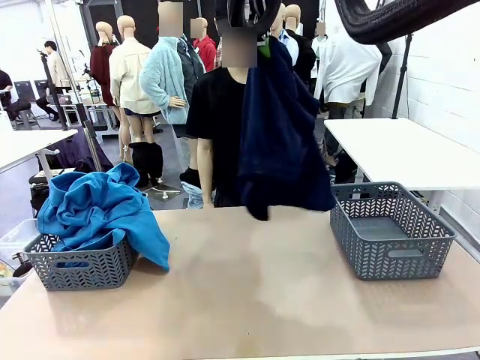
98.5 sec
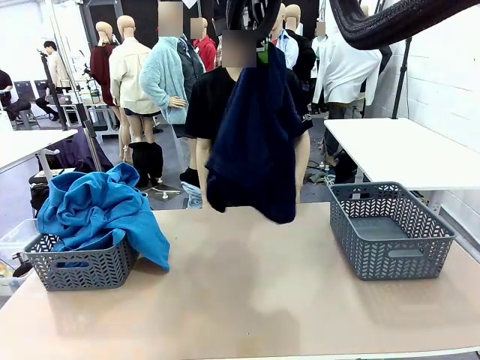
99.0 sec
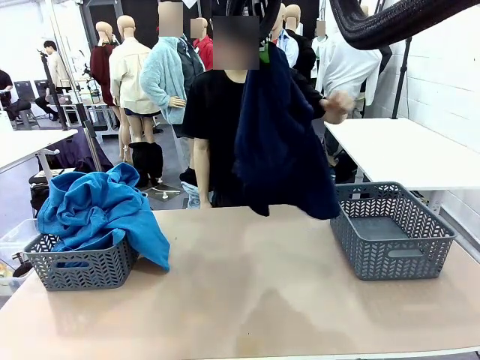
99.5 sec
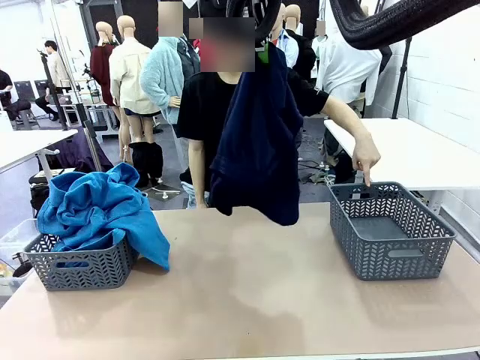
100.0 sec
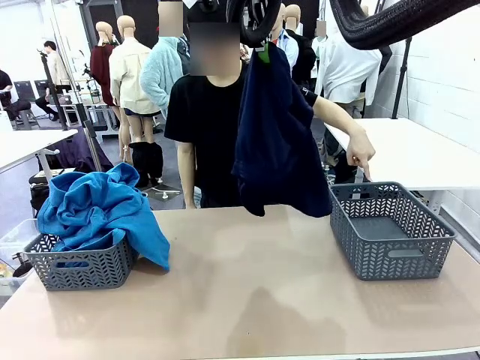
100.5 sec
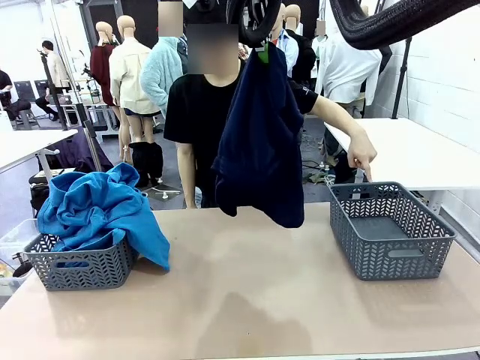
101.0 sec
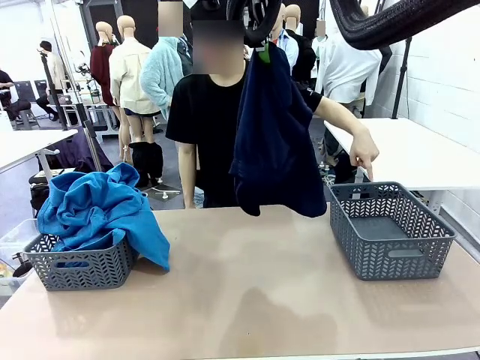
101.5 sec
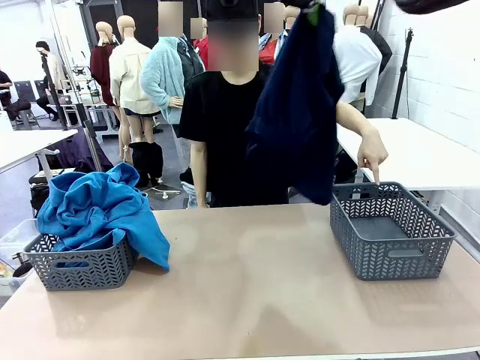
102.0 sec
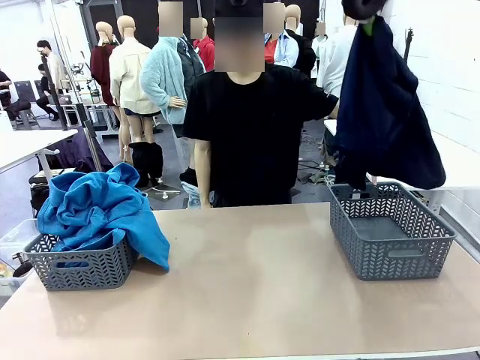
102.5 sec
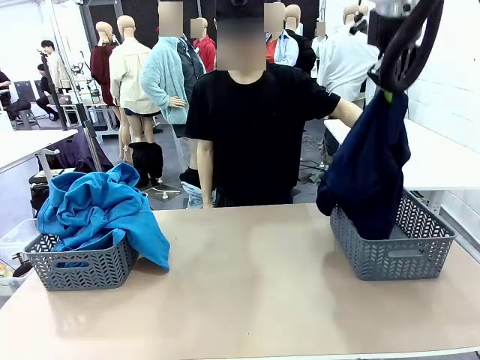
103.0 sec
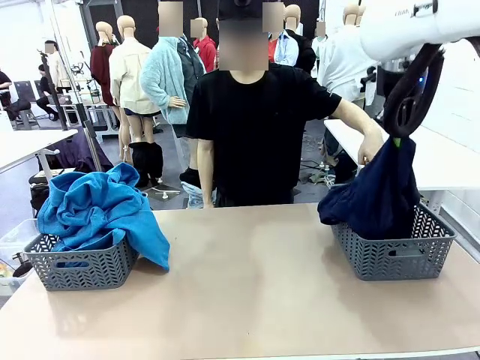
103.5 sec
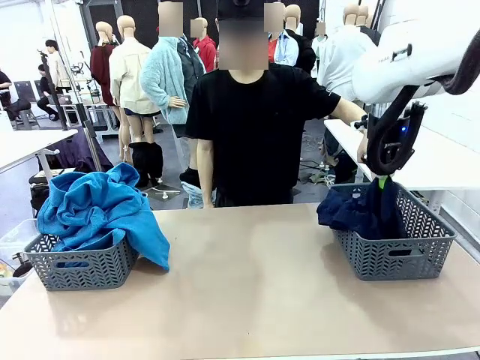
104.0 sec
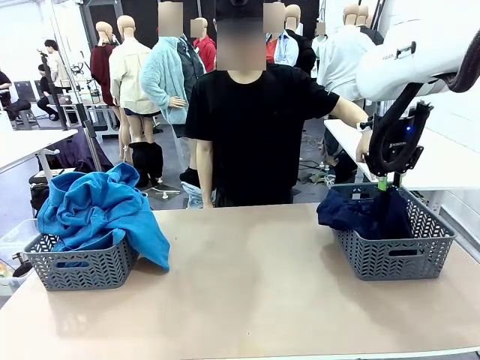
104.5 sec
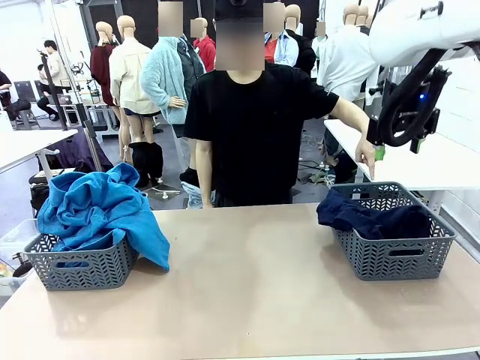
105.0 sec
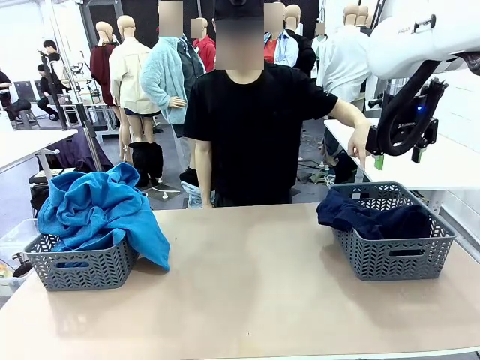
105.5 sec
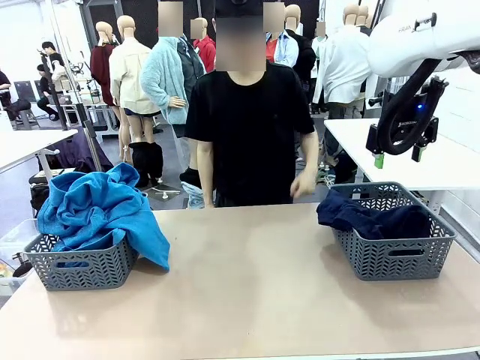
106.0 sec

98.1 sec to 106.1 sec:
Task: Sort the tops and bottoms.
Robot: Sort the clothes according to human instructions.

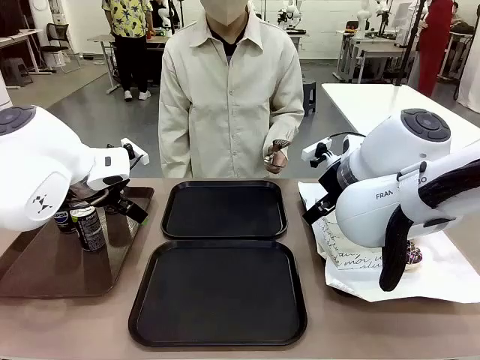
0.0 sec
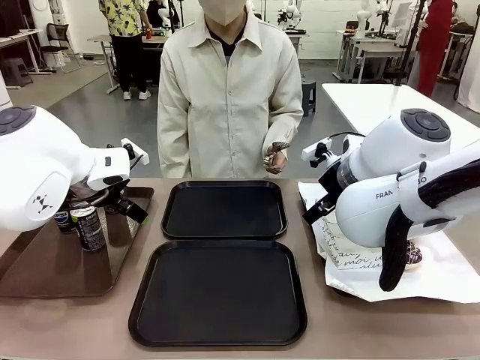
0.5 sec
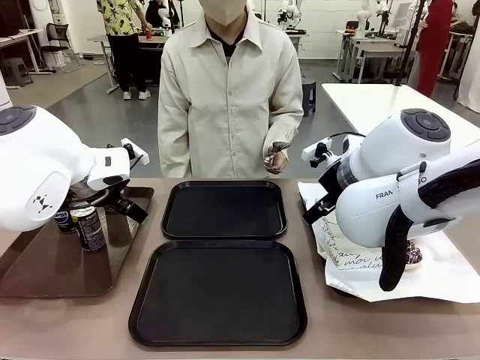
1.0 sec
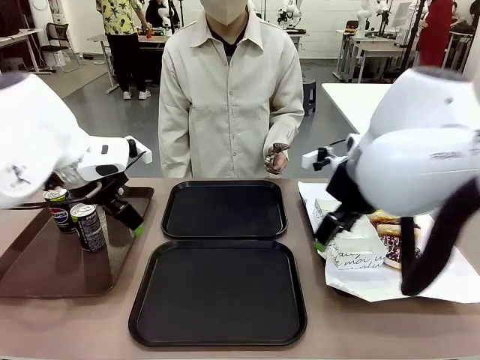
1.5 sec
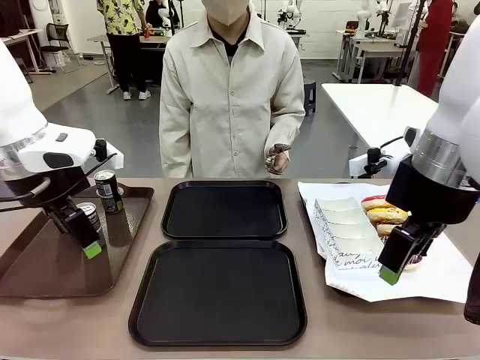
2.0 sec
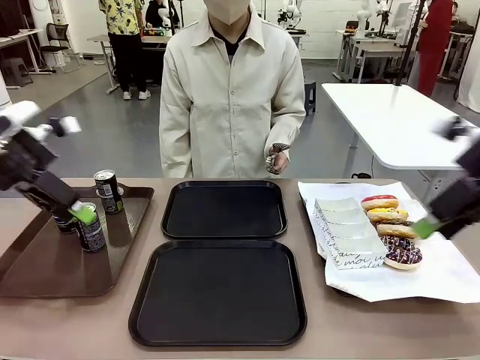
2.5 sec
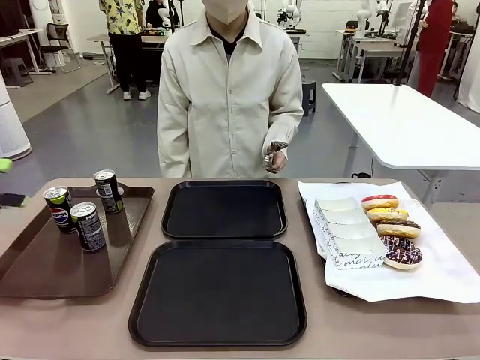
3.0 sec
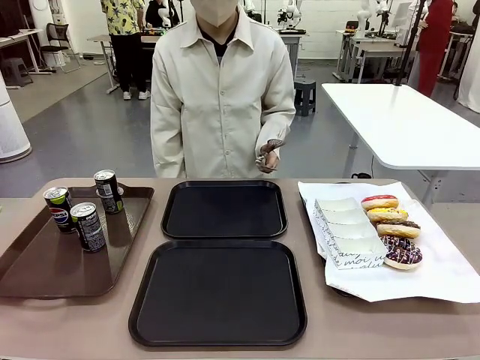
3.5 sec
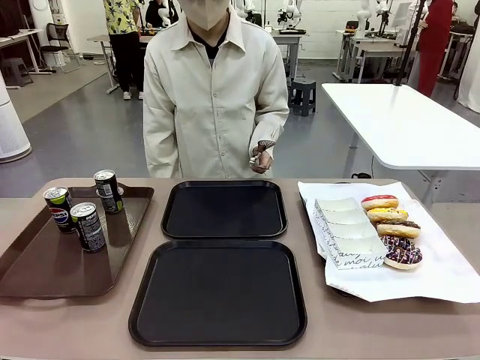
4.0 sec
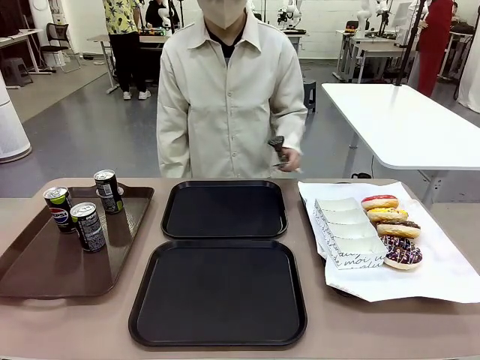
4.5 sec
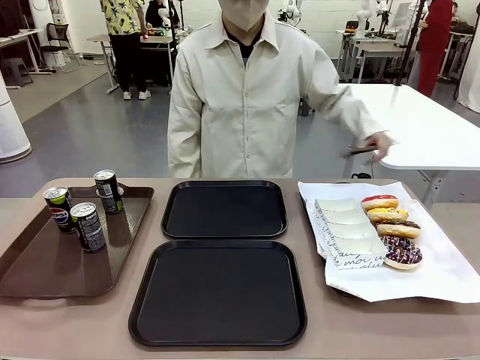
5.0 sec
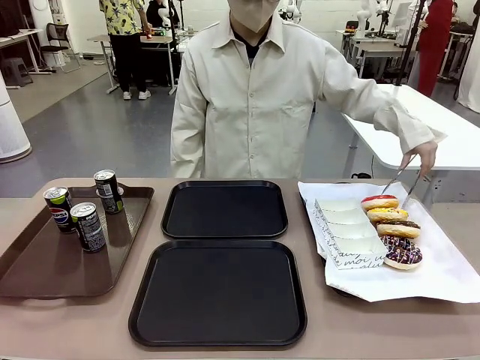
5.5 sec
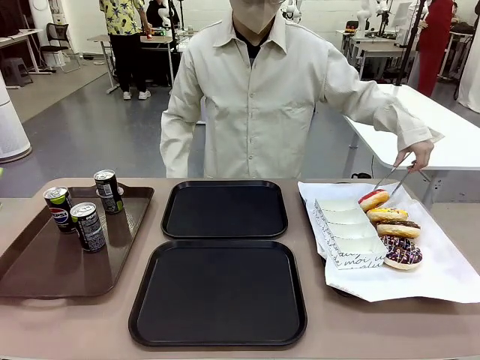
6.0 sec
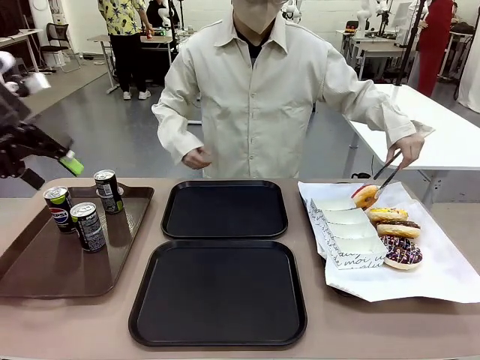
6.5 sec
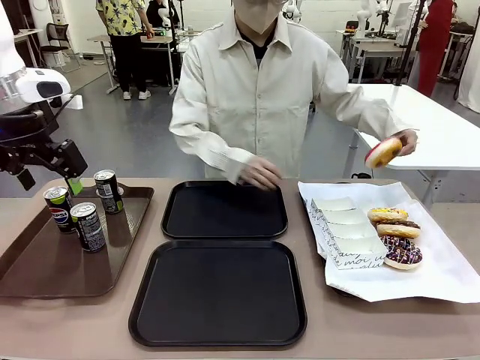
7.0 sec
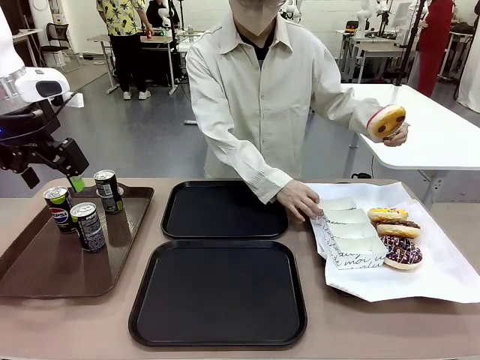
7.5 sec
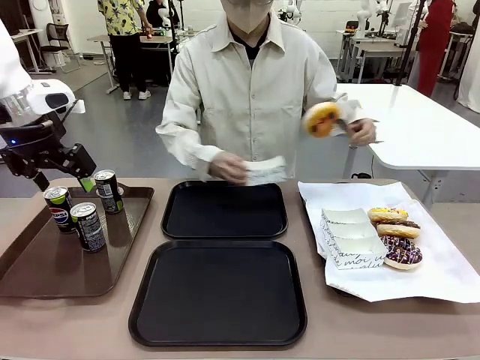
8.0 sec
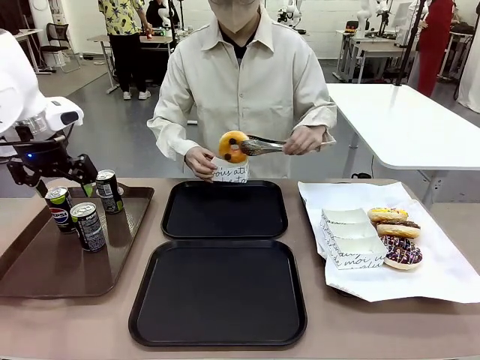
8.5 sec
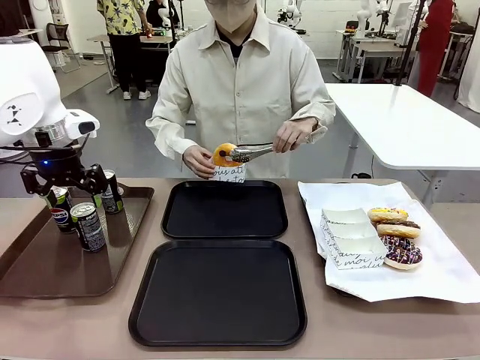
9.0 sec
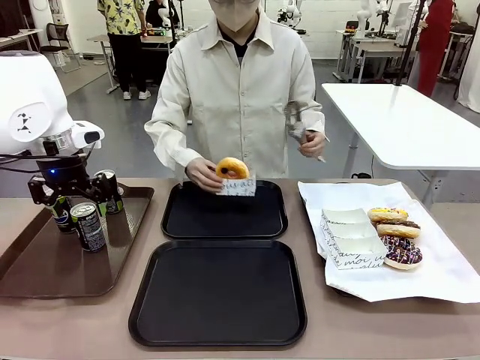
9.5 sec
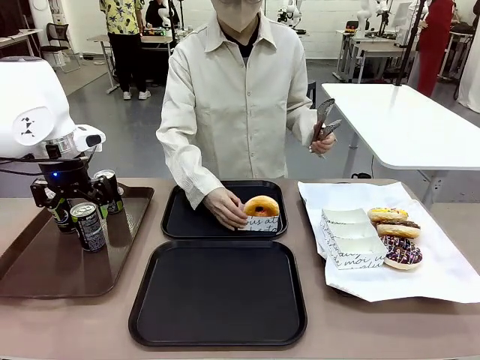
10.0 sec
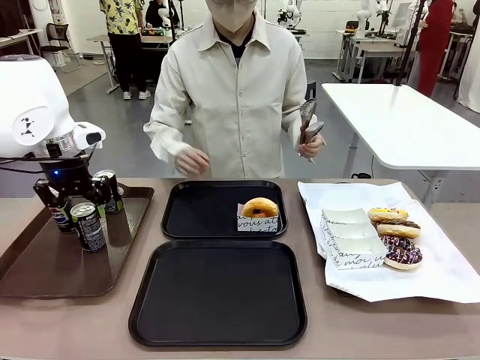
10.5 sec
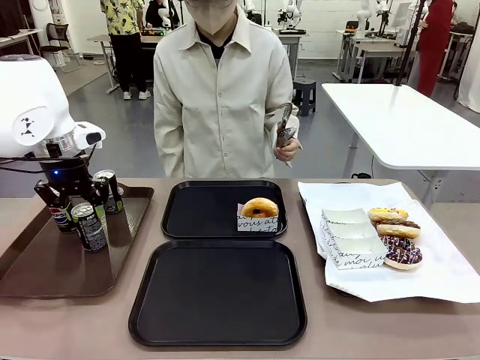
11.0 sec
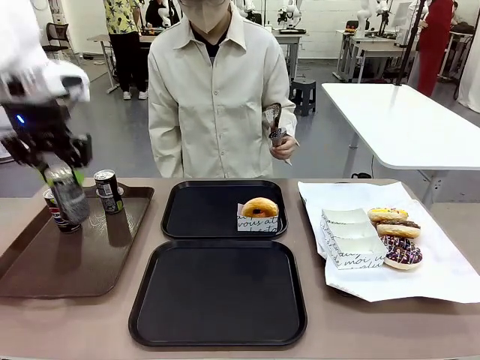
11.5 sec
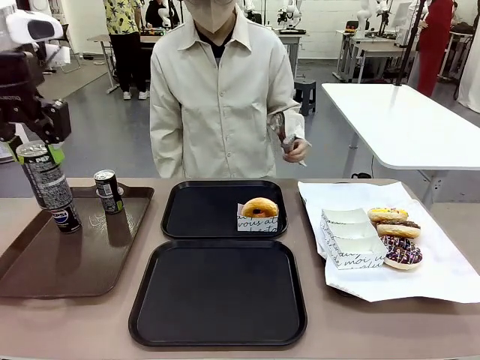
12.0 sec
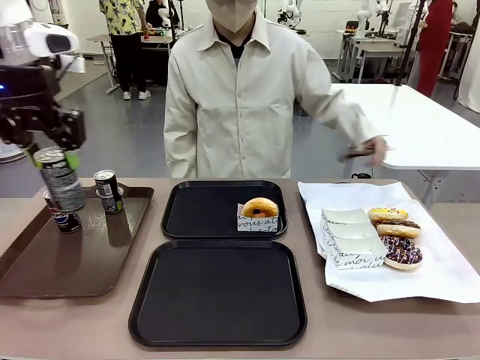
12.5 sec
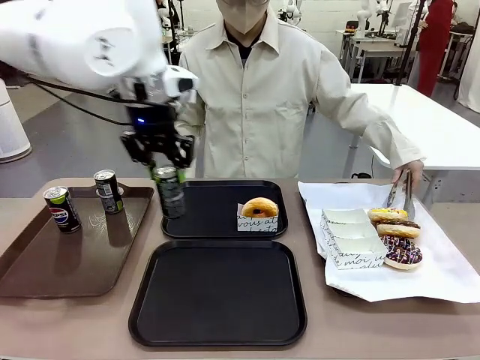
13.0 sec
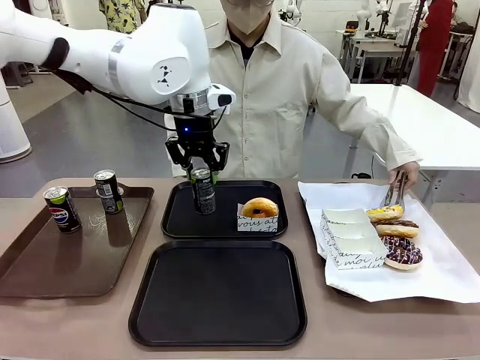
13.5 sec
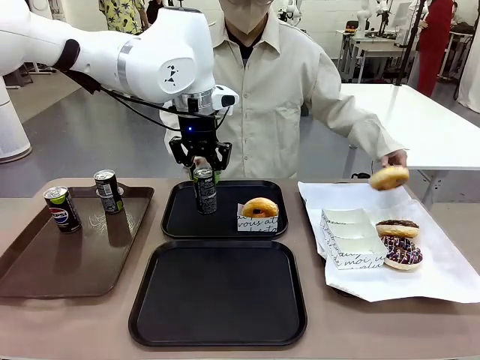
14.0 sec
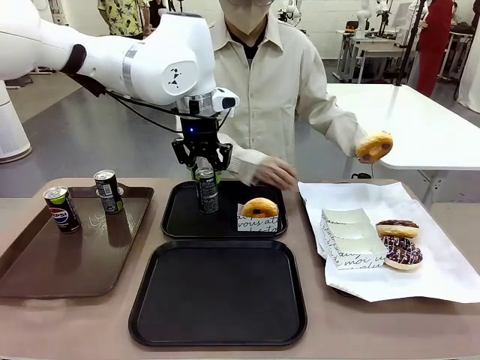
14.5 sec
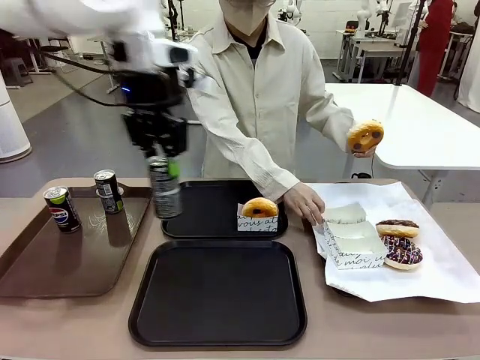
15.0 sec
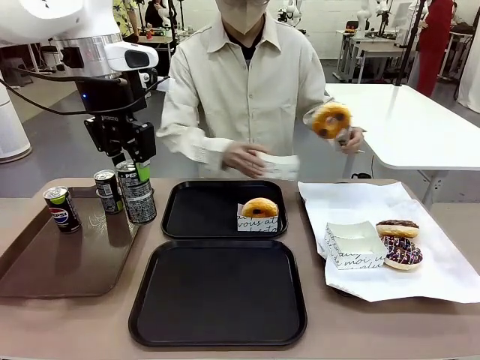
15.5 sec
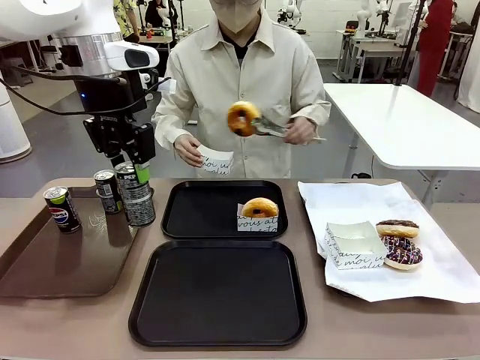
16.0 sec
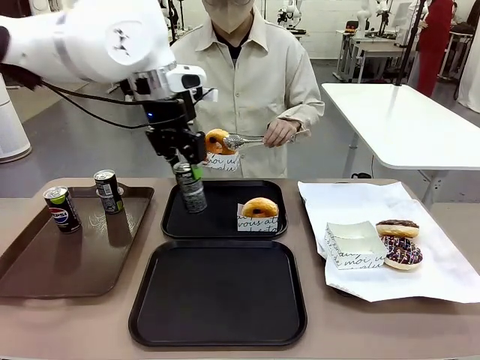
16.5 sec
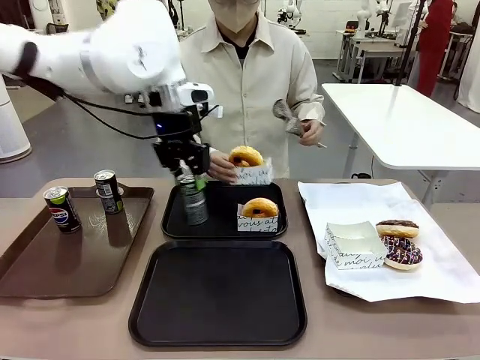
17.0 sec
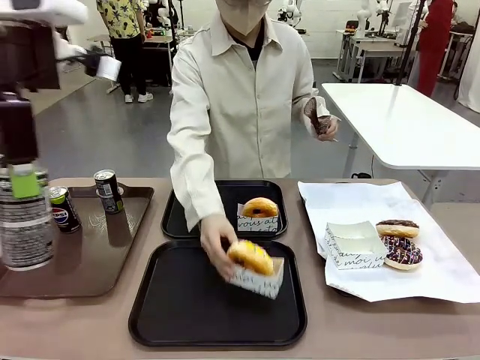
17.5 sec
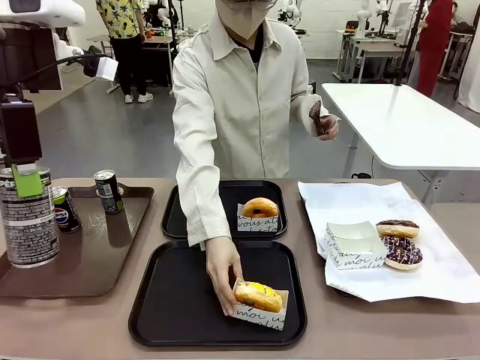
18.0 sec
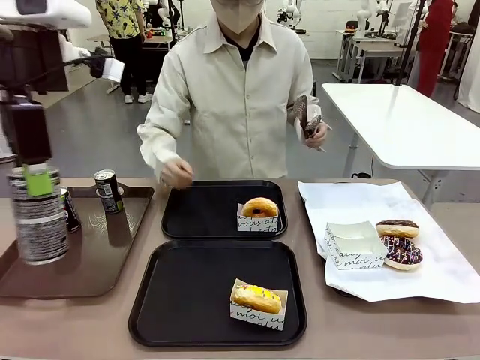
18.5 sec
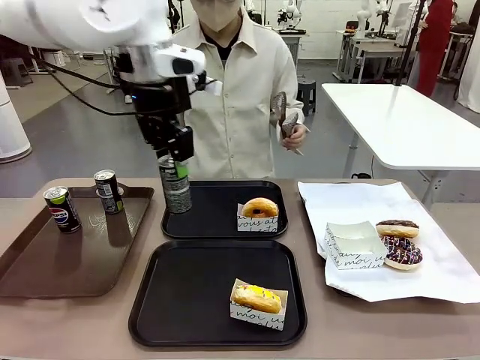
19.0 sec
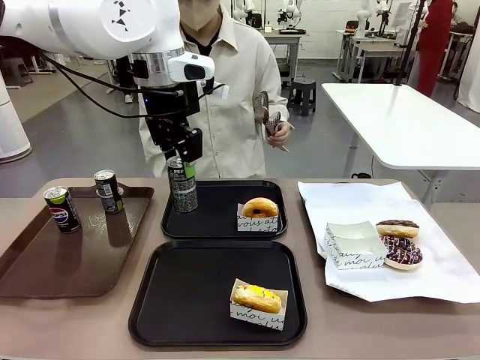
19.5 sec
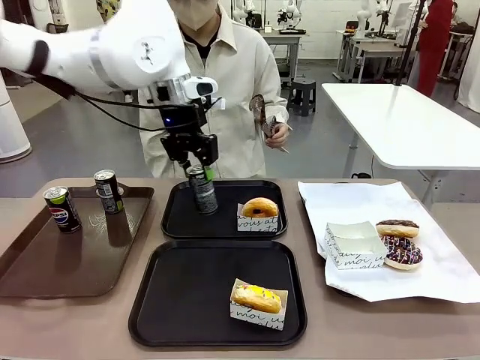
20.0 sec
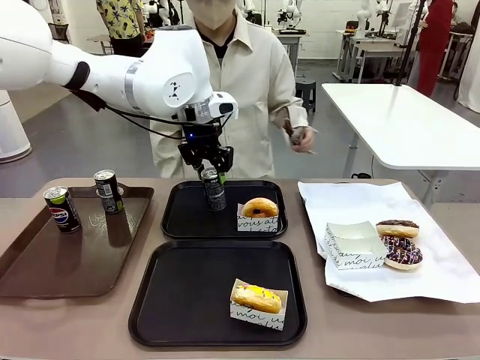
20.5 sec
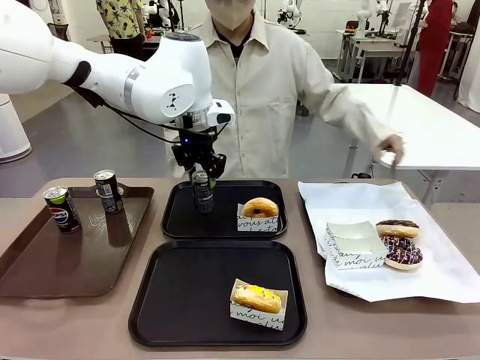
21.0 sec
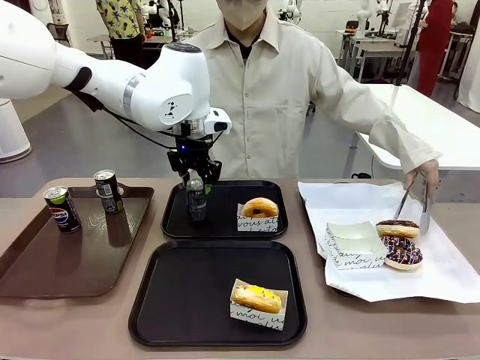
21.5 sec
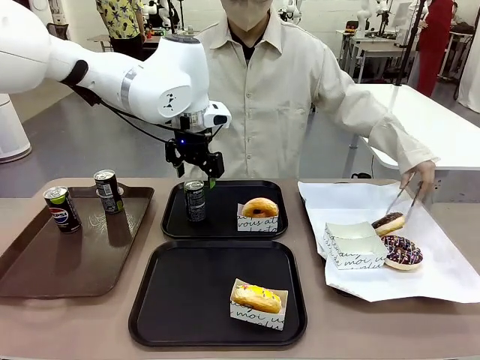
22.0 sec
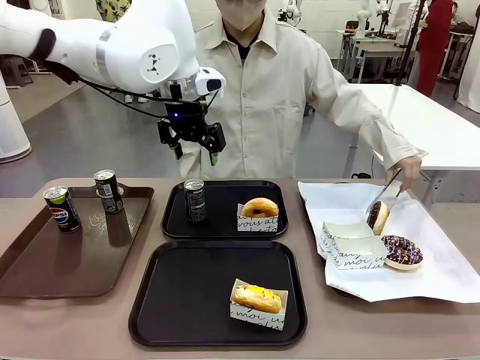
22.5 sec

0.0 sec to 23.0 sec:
Task: Set up donuts and drinks on trays.
Robot: Pick up one Pepsi coke and place it on the Flat Tray.
Person: Pick up one donut with tongs, place it in the donut tray, and then place the donut tray on the flat tray.
